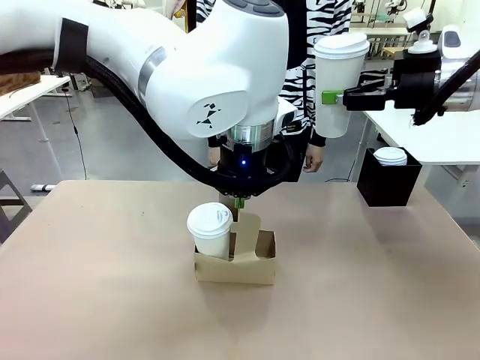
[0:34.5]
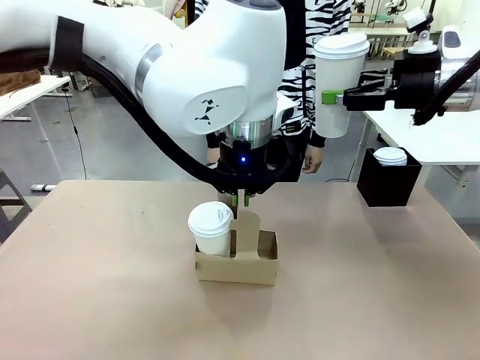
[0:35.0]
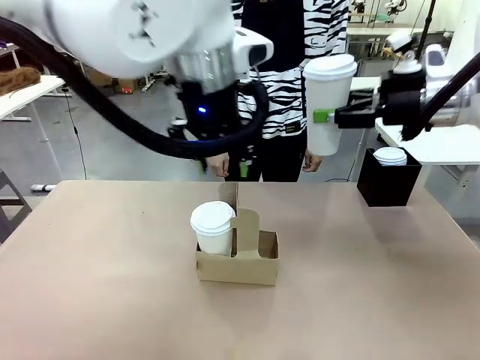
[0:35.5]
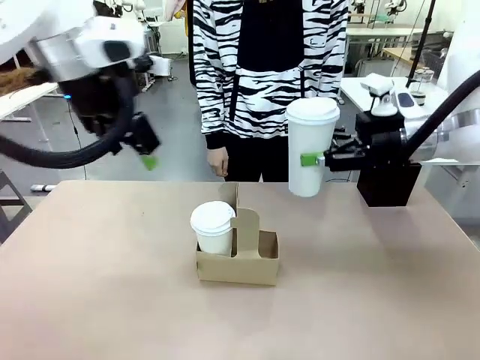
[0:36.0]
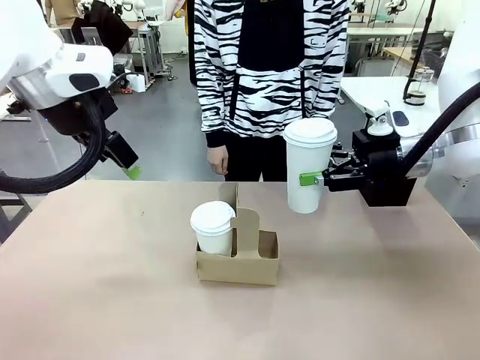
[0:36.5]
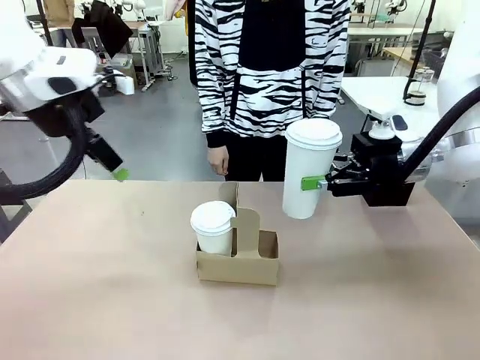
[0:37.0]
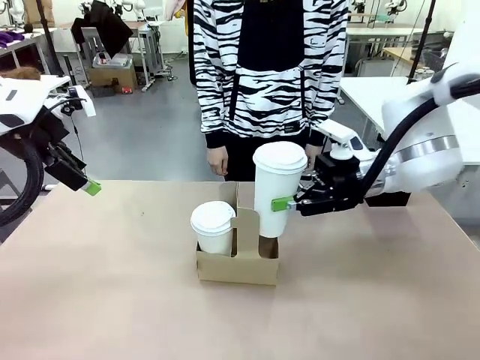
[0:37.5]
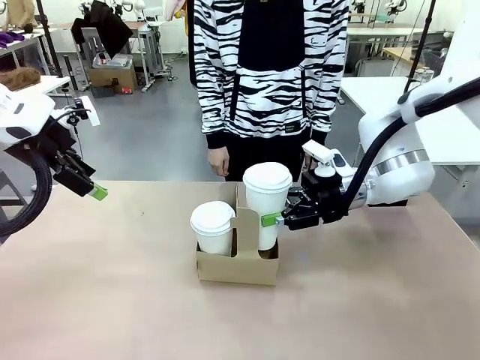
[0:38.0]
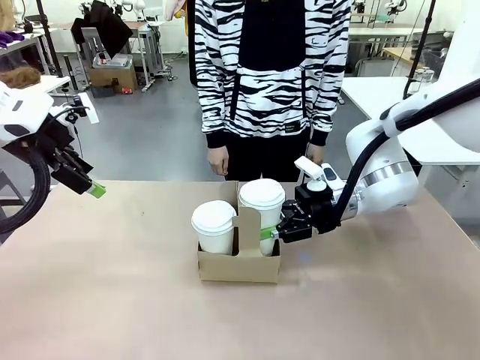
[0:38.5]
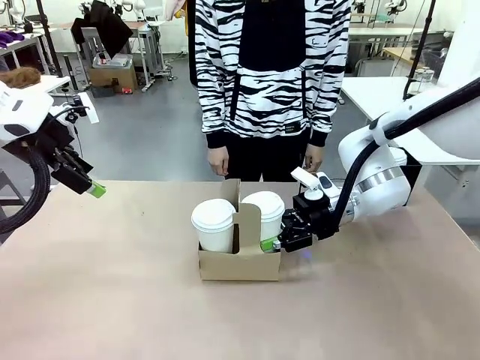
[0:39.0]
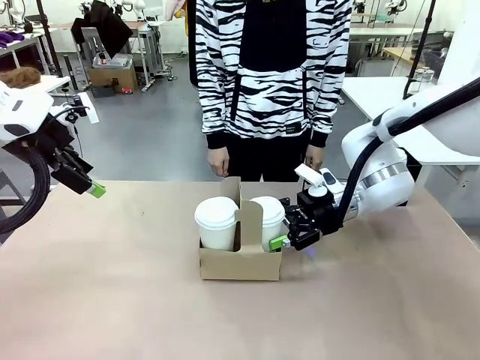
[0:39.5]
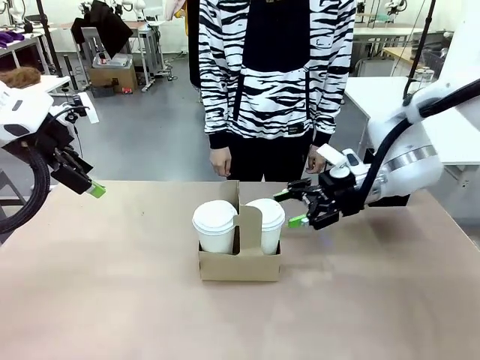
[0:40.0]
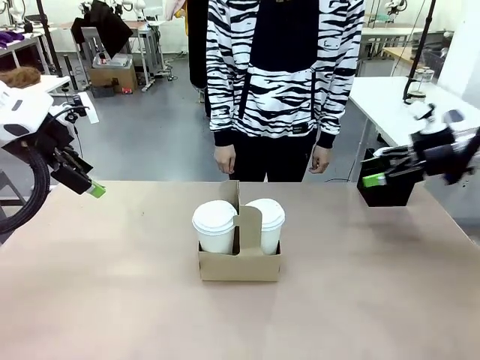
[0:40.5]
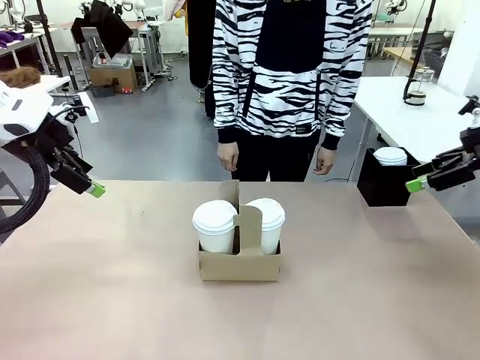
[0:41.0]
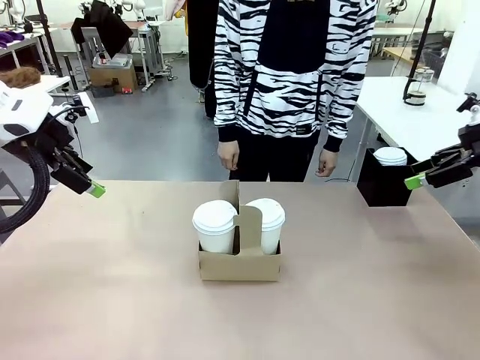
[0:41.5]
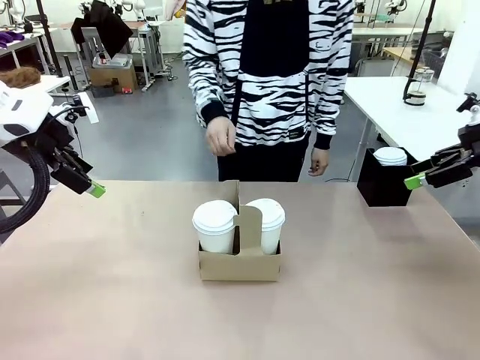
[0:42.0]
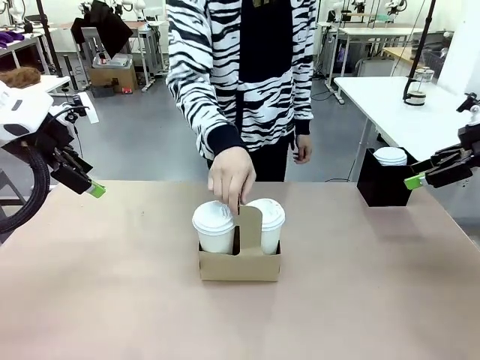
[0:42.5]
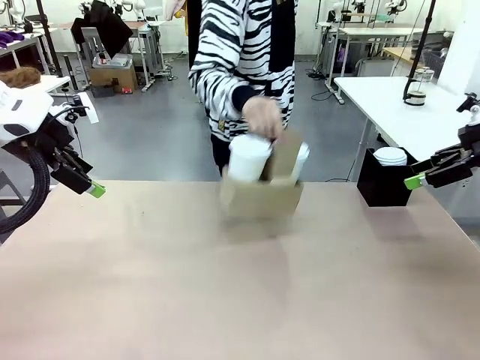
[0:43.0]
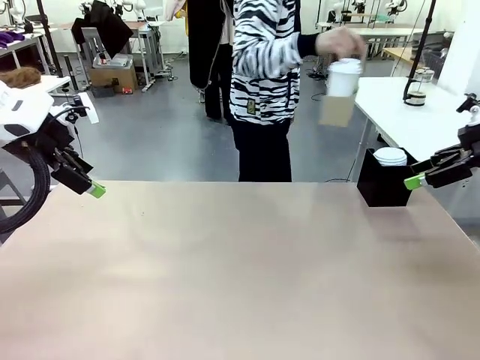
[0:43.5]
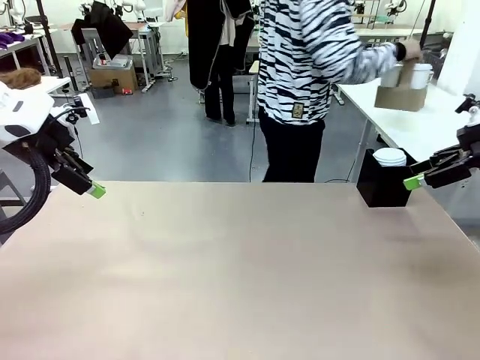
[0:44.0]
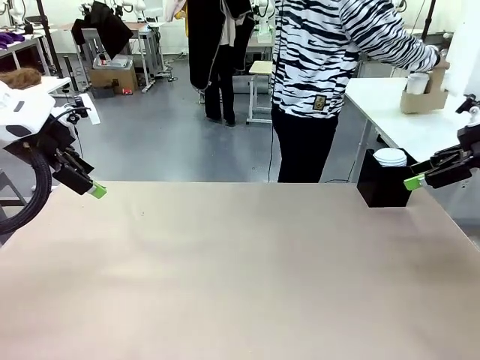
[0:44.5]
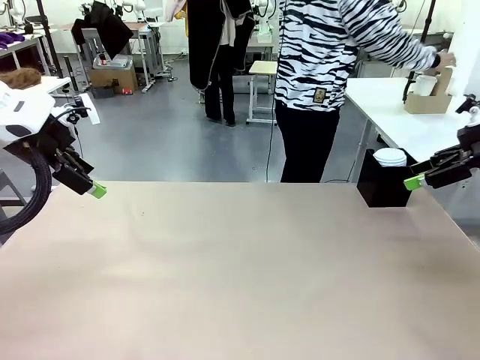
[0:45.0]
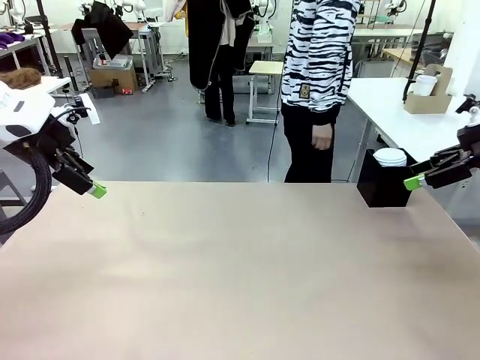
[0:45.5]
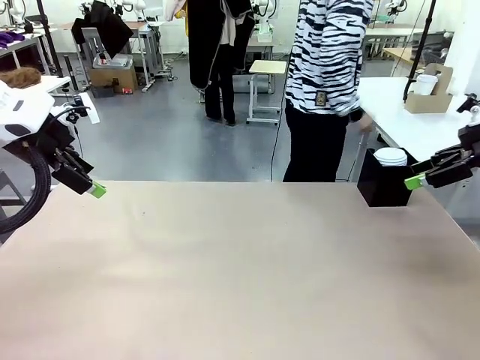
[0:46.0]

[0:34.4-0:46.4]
Task: Pour a drink into a cup and package it in a carrier.
Robot: Insert the held 600 ml Paper Cup into the Cup Carrier.
Person: Place the Cup Carrier to the middle of Human table.

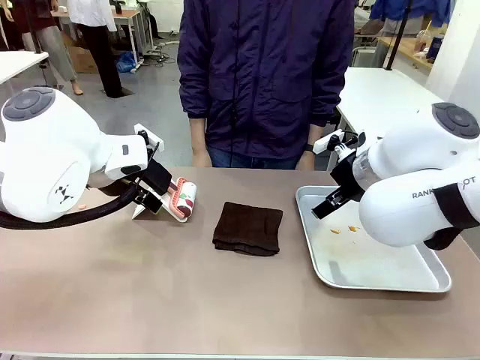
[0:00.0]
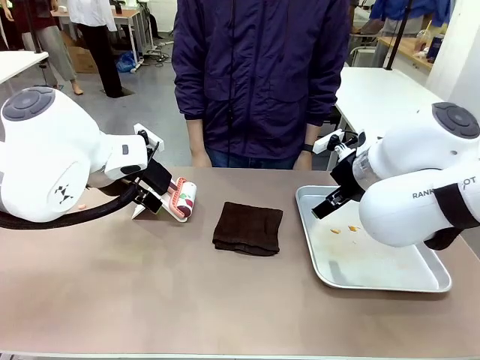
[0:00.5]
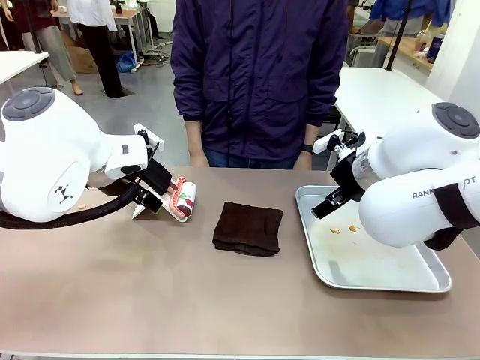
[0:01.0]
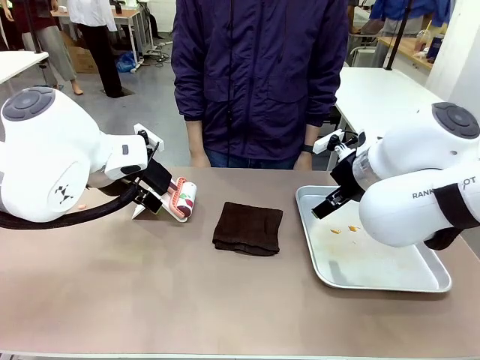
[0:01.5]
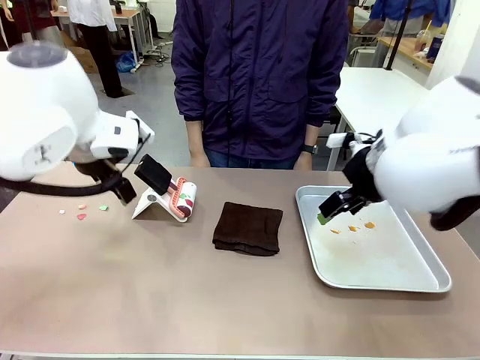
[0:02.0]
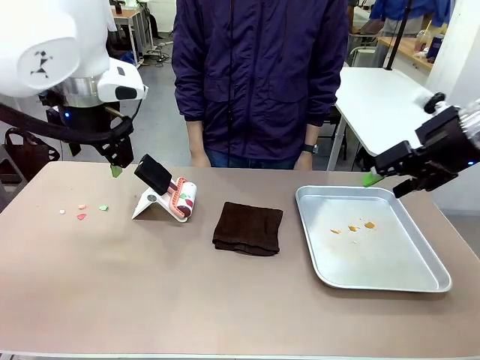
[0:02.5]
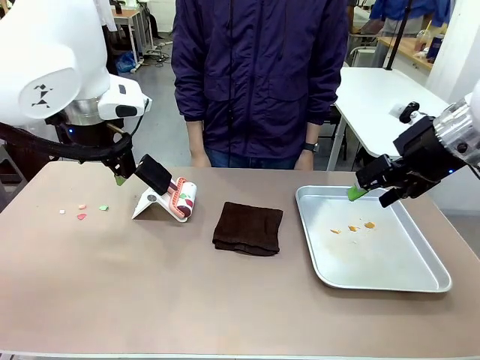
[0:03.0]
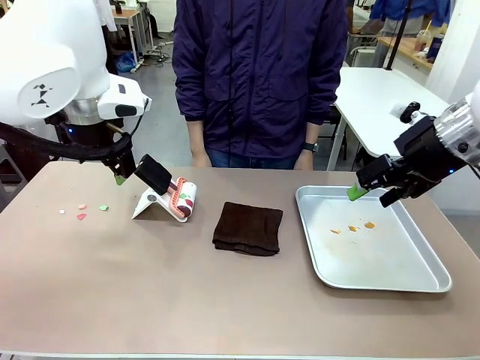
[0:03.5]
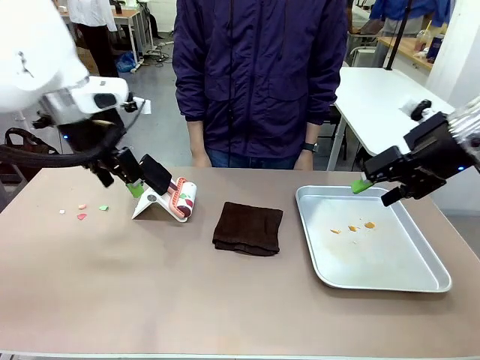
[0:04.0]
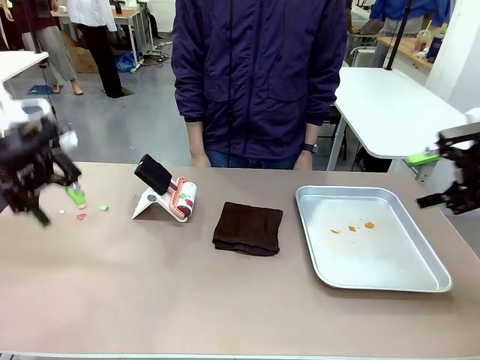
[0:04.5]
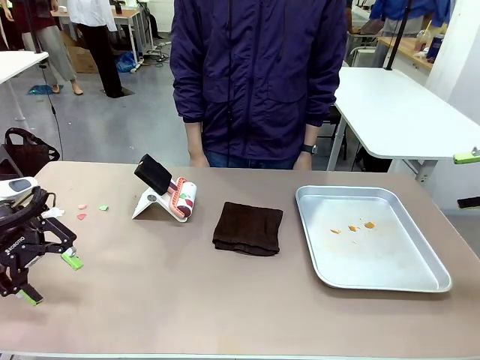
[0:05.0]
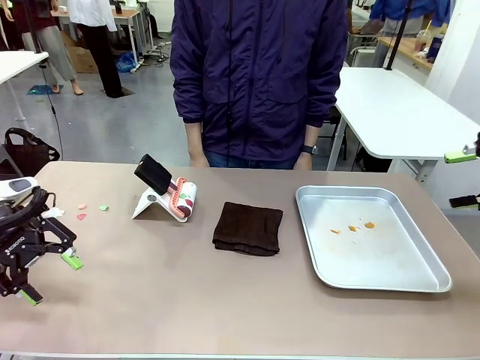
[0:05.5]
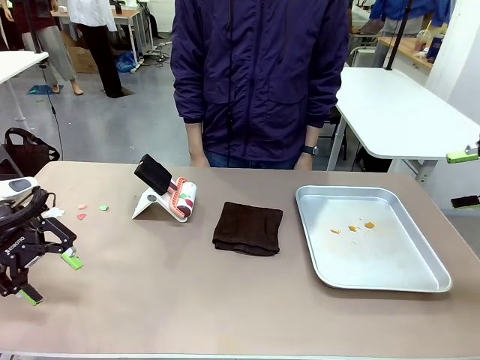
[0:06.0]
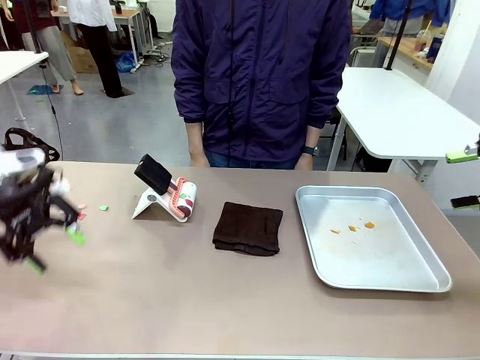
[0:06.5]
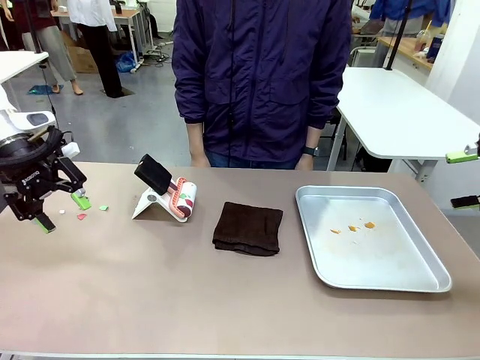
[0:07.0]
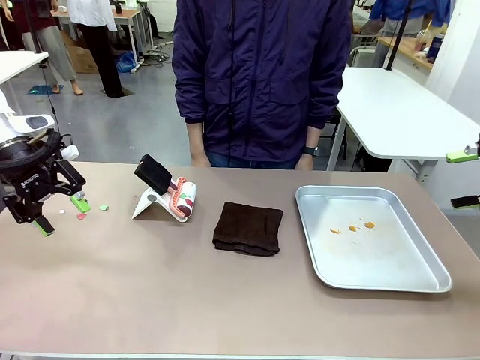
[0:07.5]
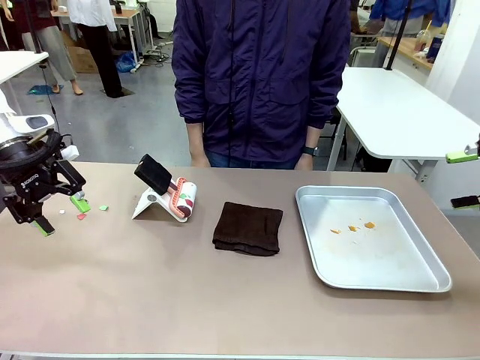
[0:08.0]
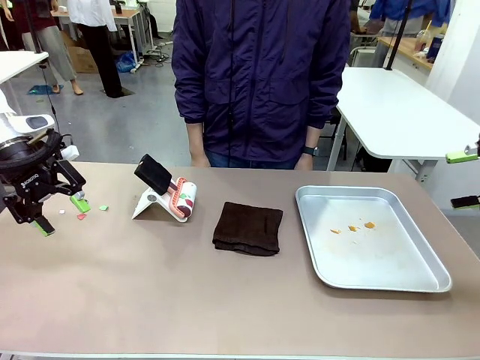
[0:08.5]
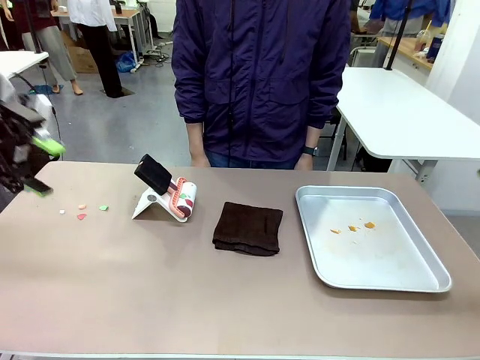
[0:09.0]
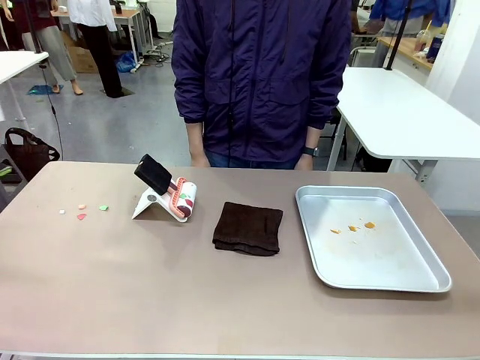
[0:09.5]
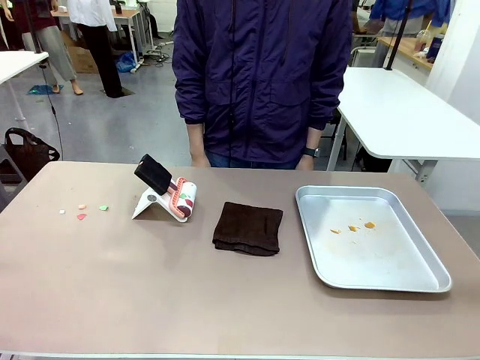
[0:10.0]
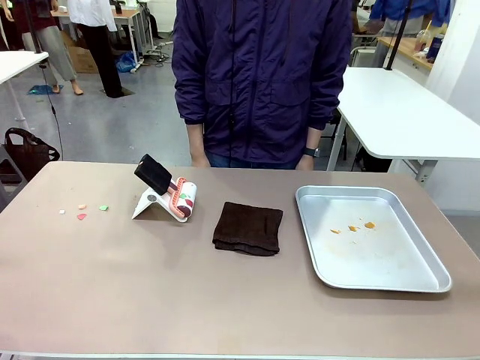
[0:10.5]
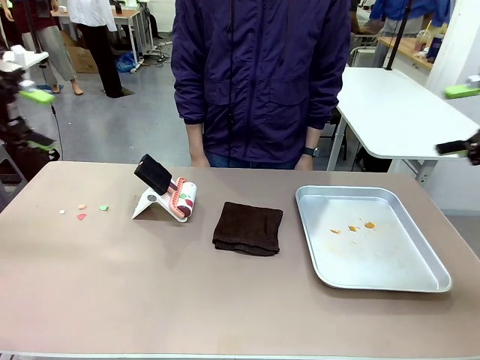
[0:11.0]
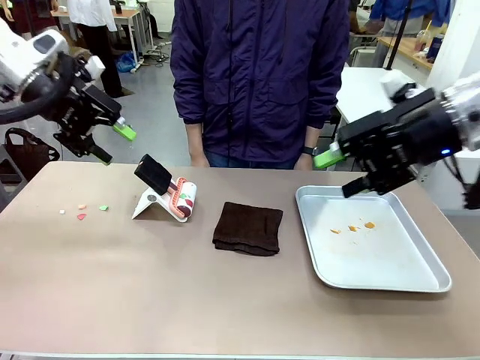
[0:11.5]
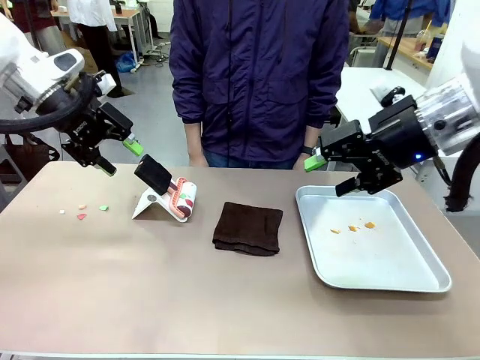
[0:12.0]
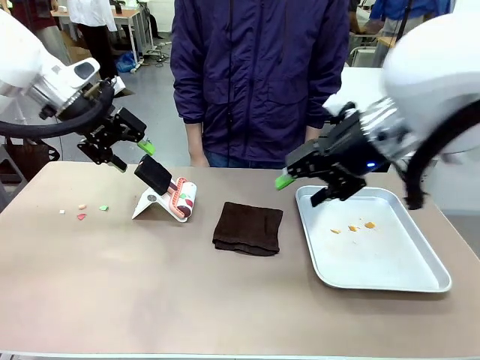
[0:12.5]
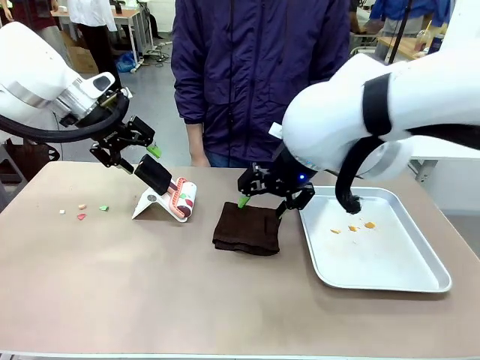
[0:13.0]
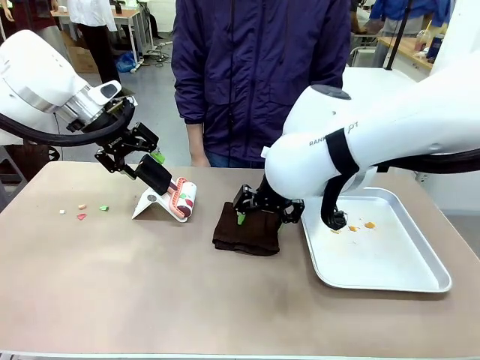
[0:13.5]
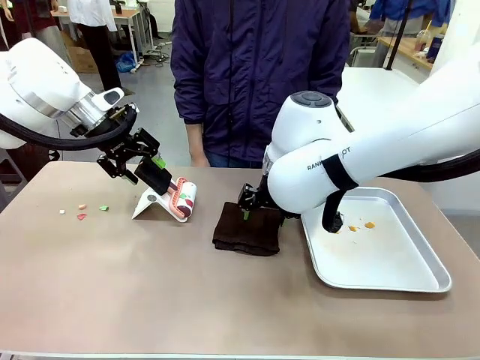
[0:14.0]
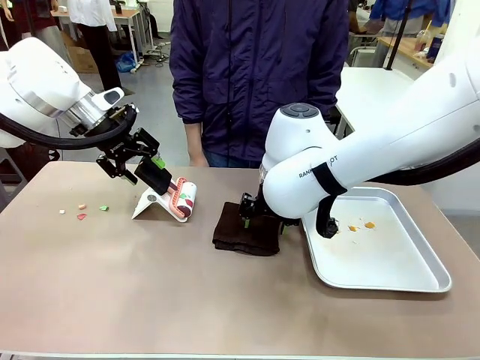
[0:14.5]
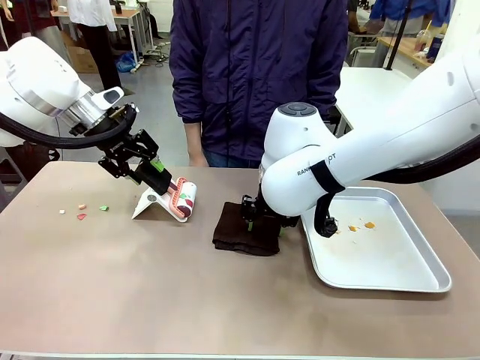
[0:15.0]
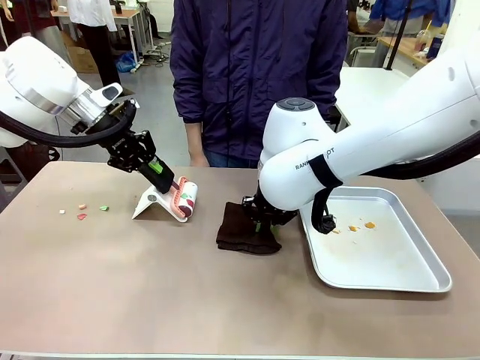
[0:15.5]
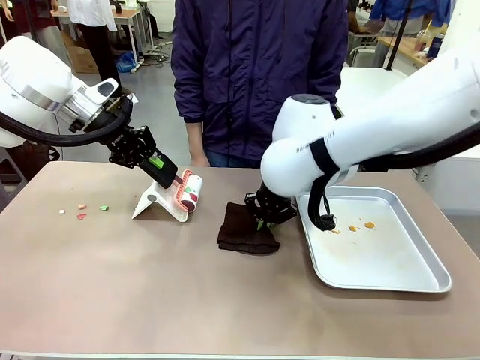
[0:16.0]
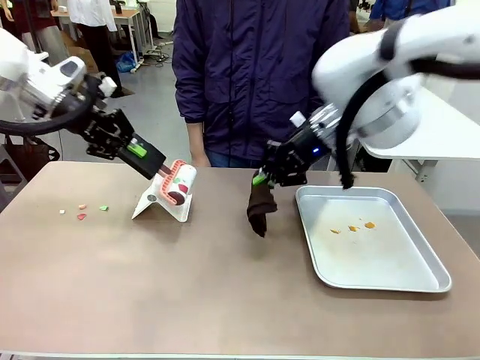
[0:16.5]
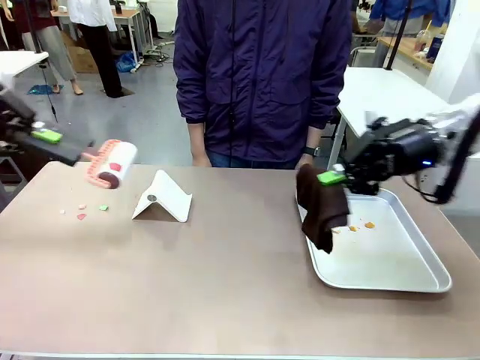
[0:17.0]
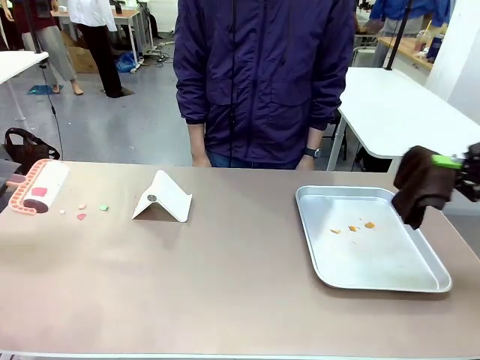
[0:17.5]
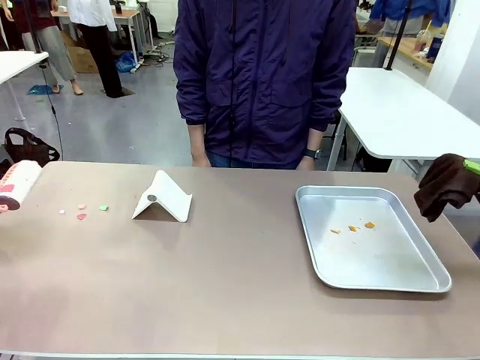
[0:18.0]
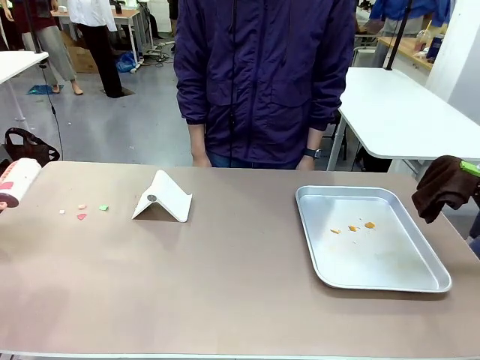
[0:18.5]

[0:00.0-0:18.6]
Task: Clean the surface of the table.
Robot: Hold the Lint Roller with your left hand and the towel with your right hand.
